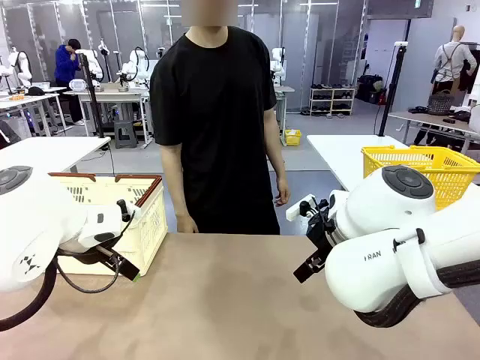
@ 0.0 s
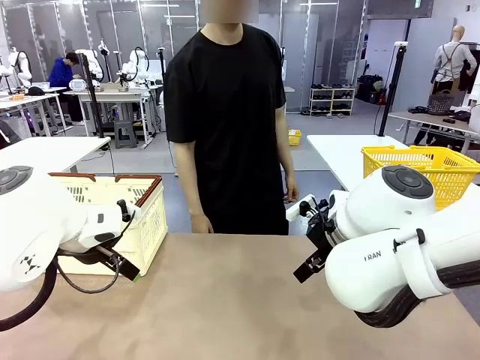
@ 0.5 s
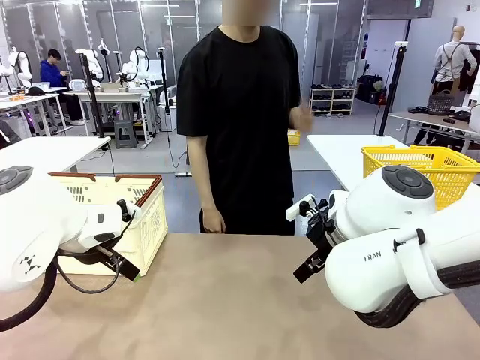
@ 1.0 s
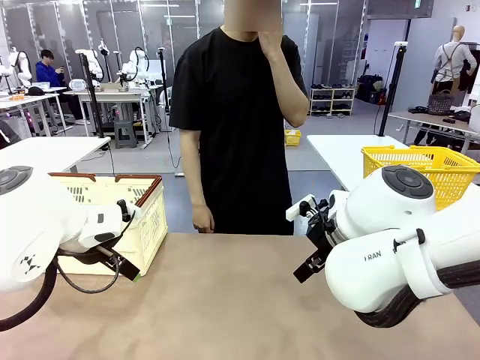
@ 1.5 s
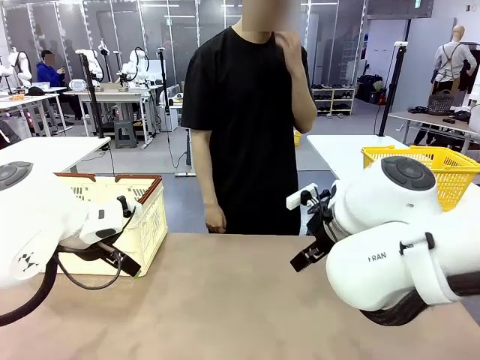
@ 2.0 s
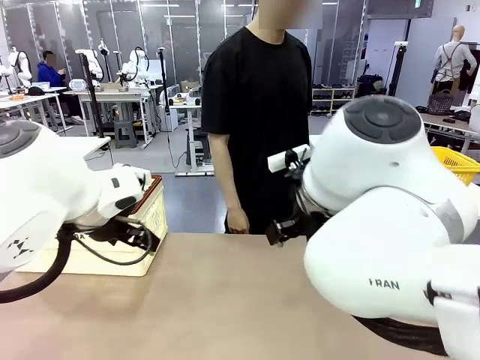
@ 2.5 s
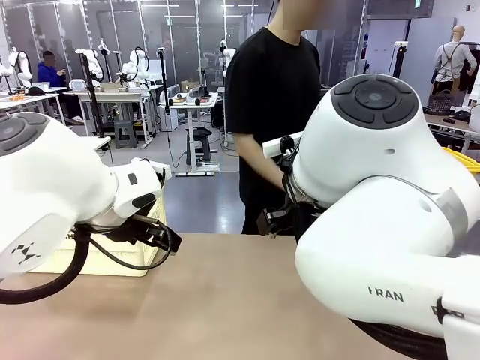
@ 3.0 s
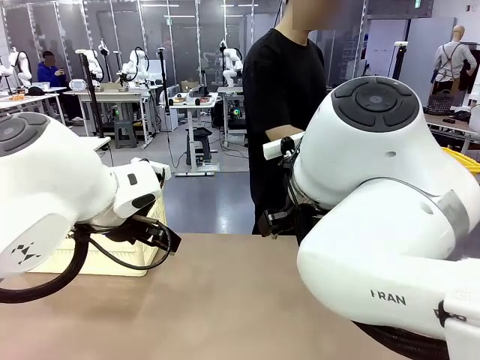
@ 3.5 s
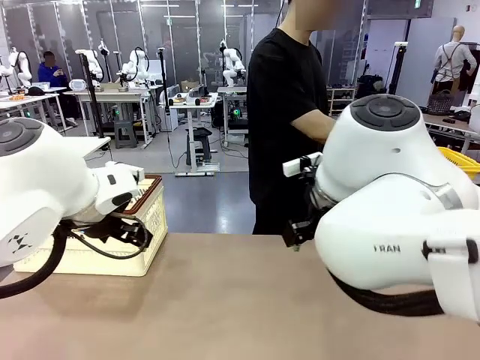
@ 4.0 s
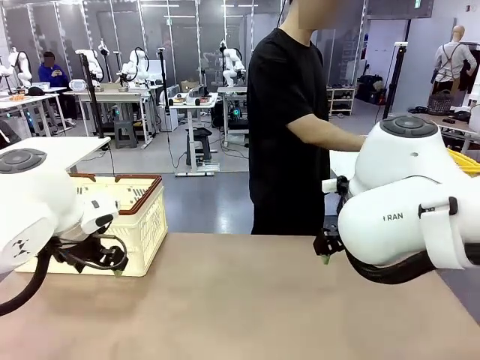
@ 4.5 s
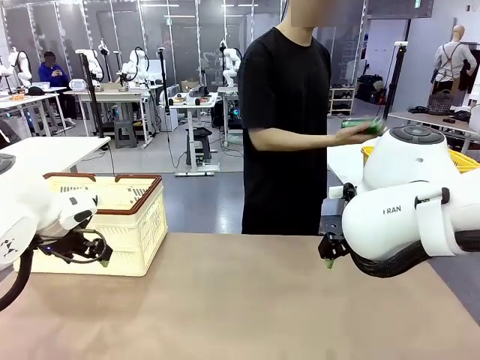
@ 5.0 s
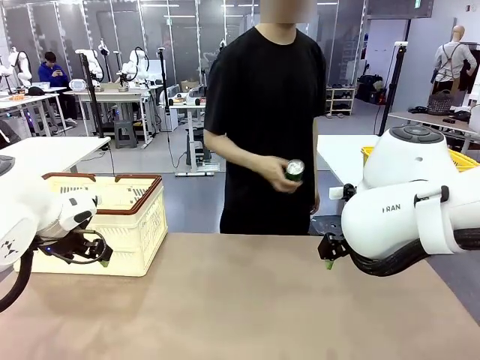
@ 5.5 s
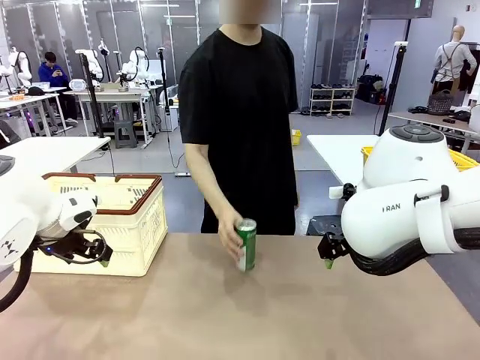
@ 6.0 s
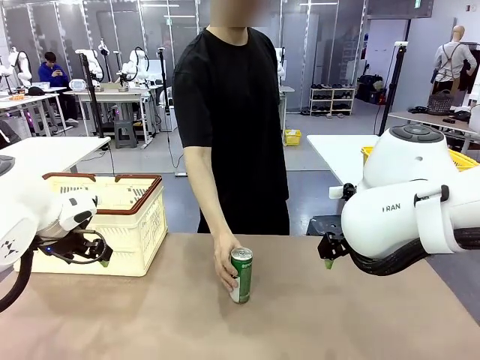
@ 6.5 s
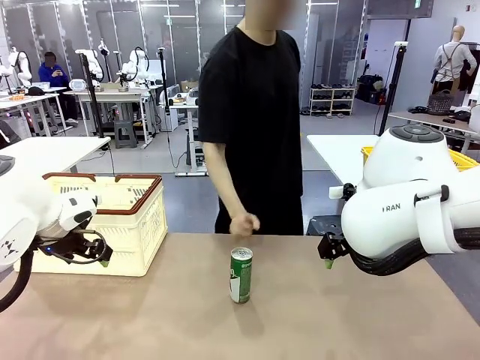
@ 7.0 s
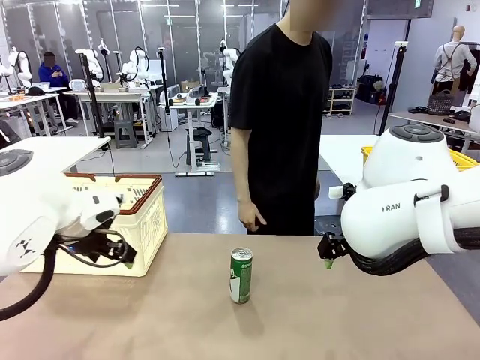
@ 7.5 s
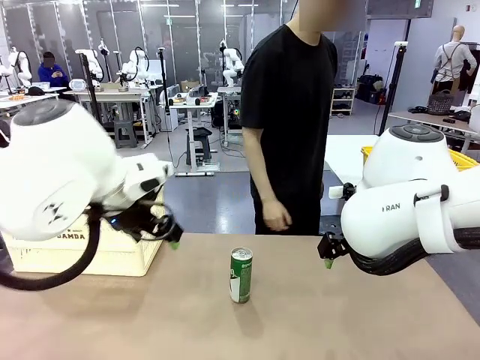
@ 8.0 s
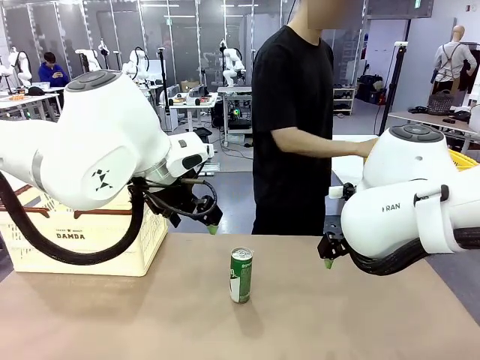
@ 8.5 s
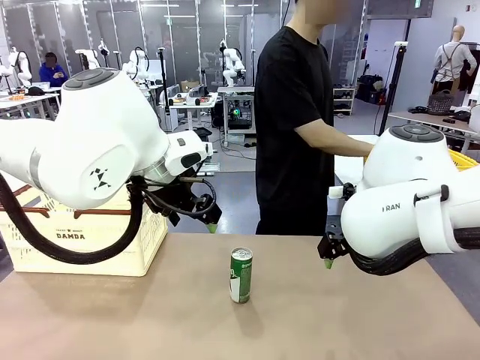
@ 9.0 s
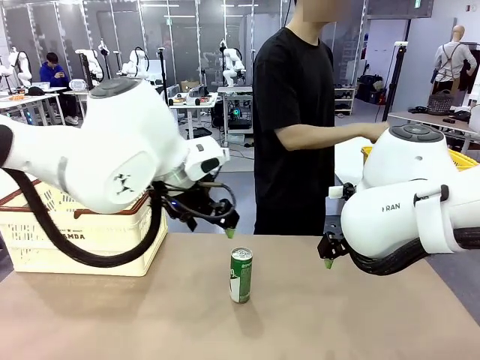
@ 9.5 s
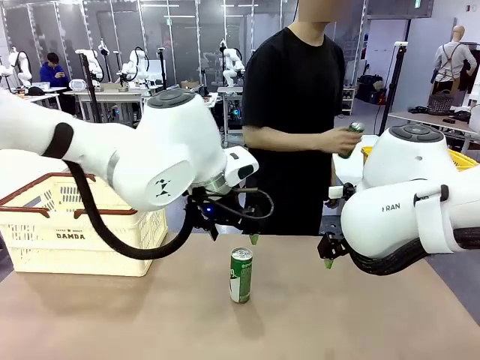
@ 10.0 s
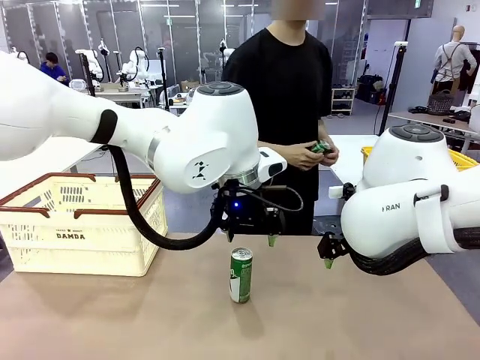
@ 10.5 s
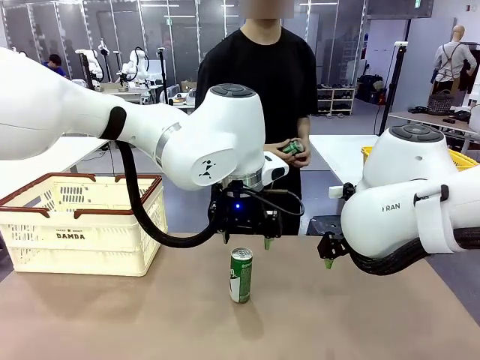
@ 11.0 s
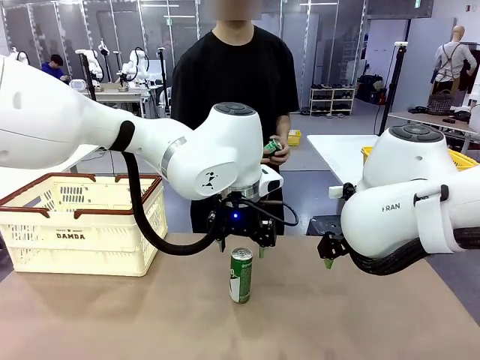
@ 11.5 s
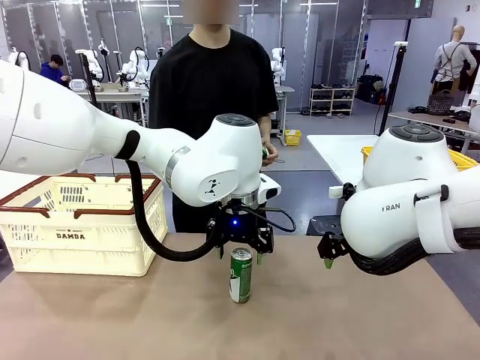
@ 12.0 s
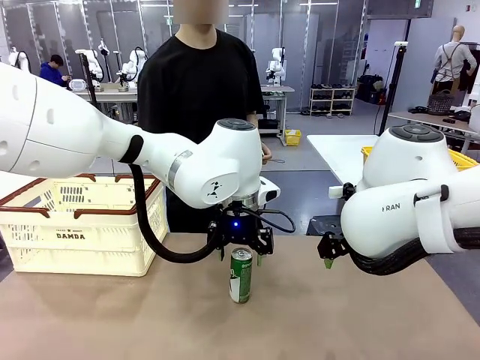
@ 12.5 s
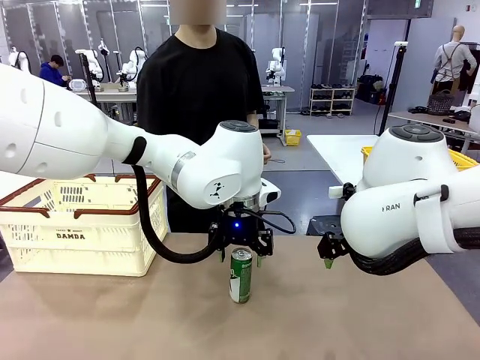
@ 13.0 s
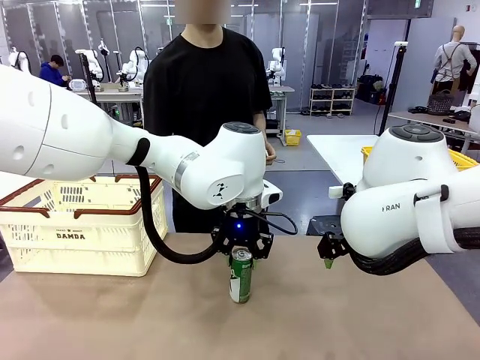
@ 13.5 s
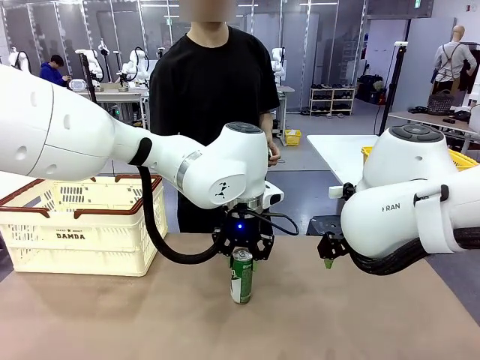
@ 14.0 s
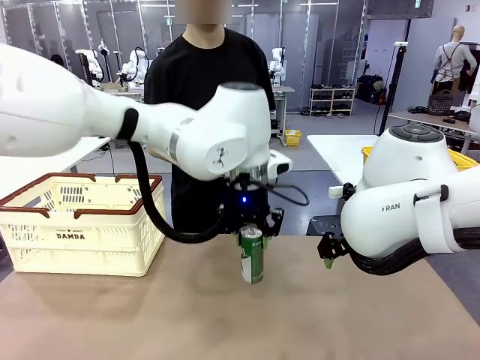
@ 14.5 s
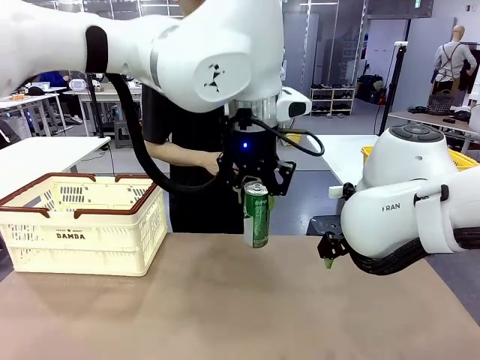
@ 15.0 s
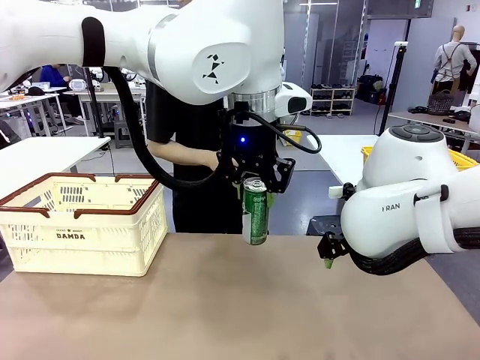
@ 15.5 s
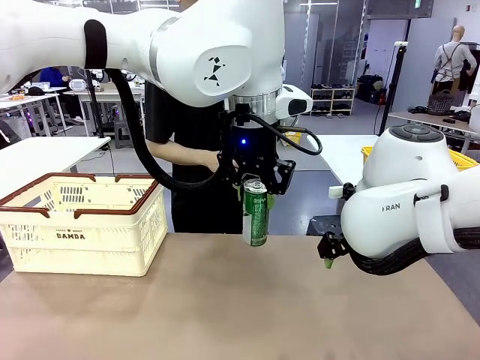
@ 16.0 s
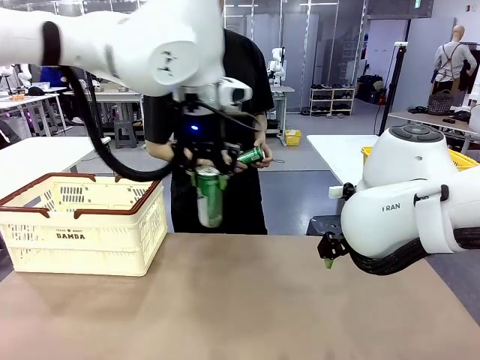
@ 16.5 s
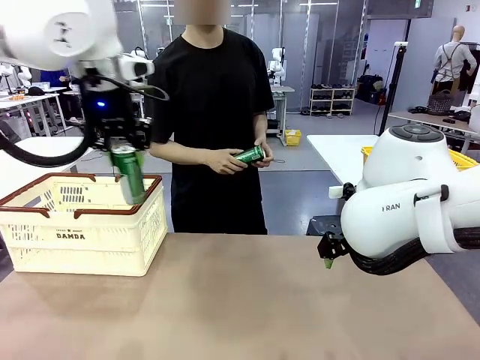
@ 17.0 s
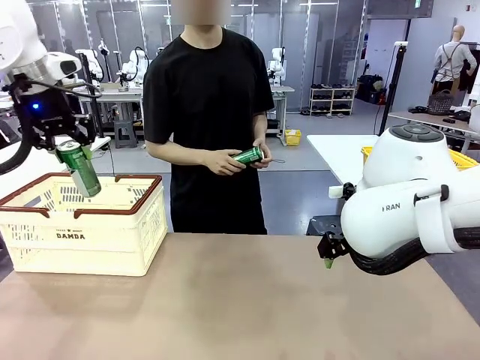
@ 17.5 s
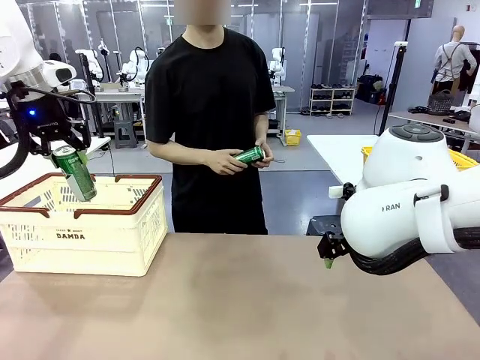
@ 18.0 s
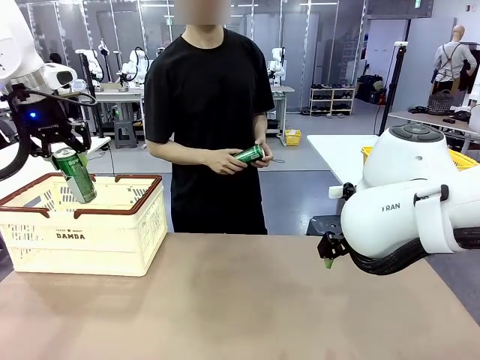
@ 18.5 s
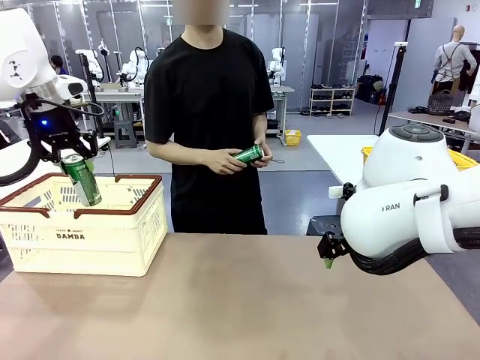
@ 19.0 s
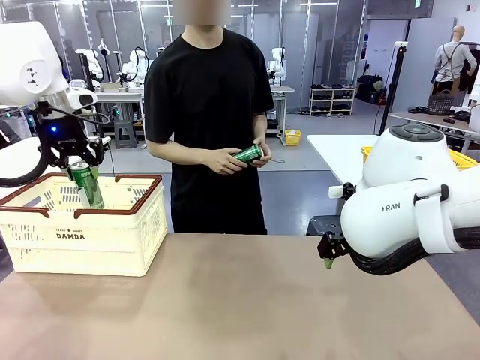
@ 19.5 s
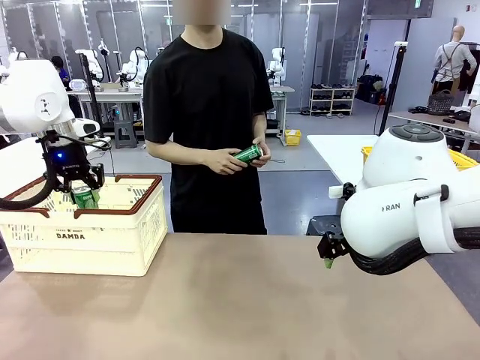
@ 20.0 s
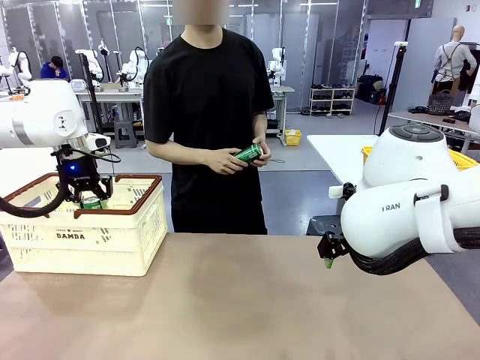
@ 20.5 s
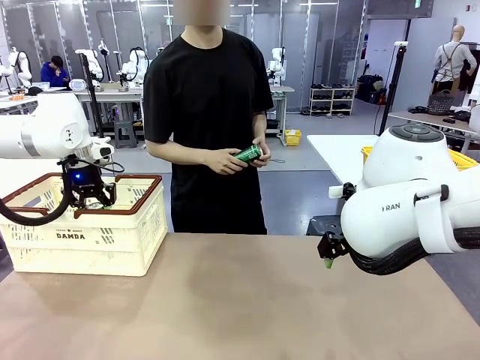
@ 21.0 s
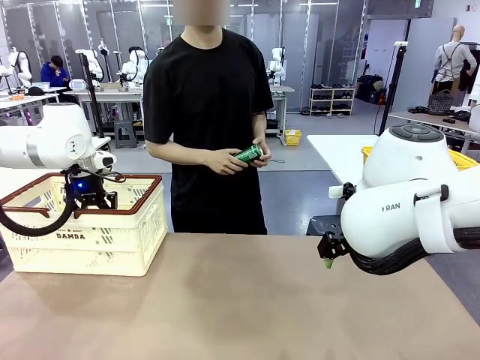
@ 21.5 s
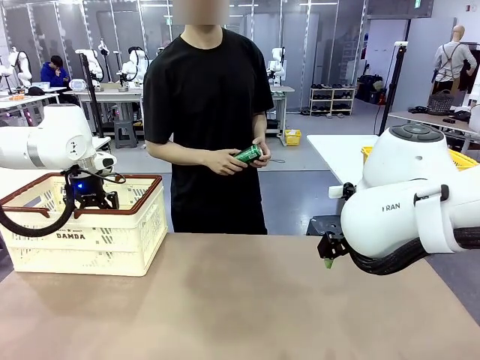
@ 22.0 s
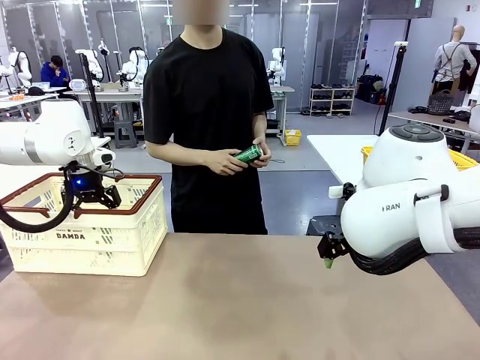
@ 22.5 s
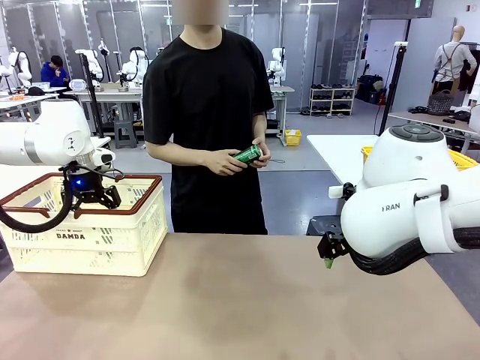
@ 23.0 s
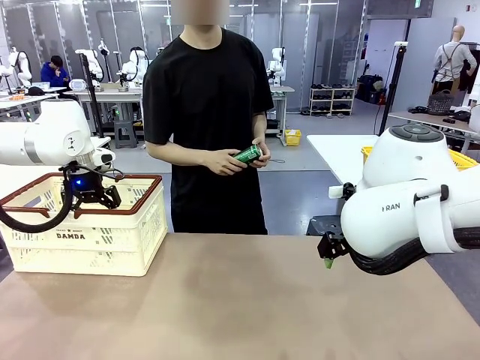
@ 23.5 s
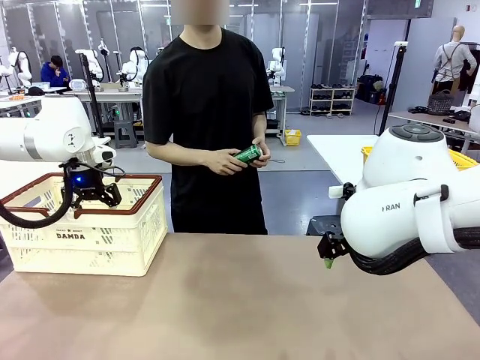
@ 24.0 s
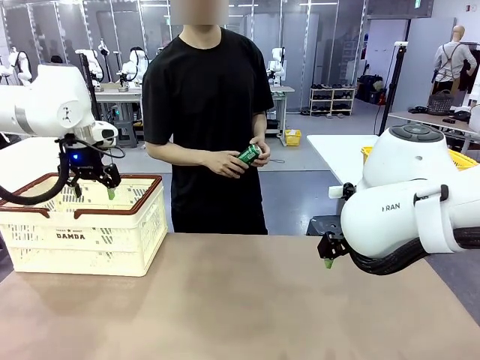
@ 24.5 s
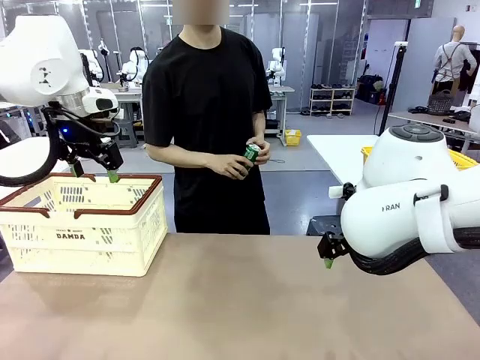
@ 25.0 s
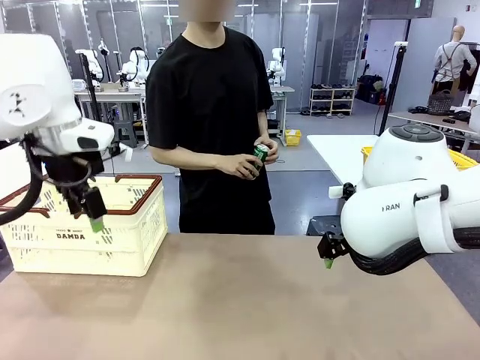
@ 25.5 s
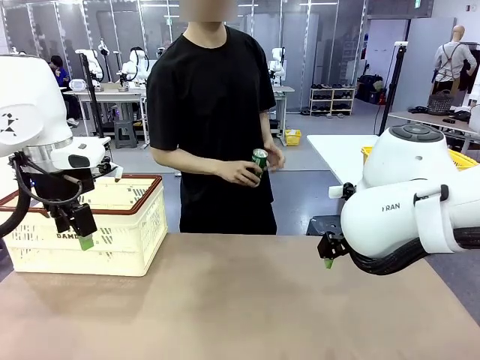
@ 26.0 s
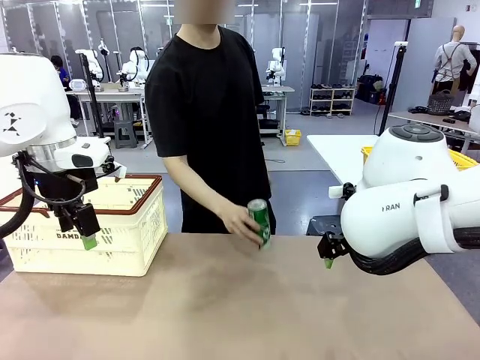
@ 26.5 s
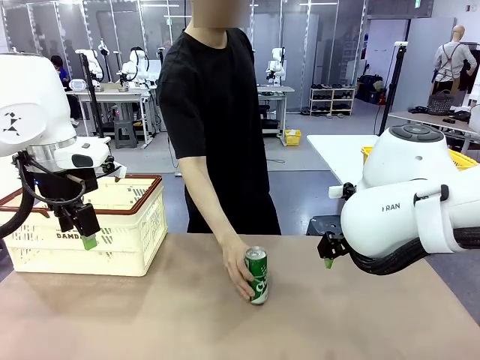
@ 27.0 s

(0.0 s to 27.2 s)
Task: Place the drinks into the Shopping basket.
Robot: Pick up one drink and place it into the Shopping basket.
